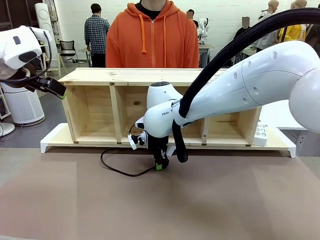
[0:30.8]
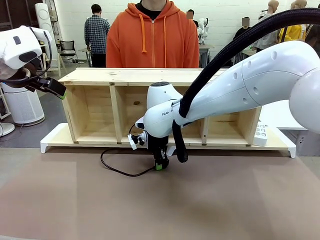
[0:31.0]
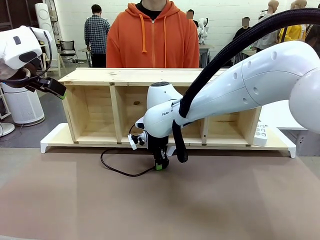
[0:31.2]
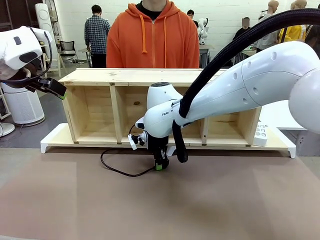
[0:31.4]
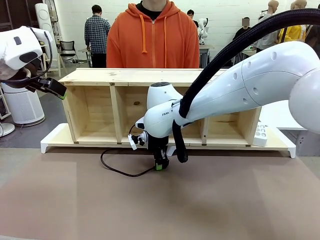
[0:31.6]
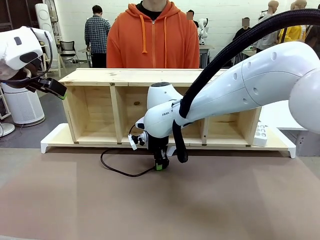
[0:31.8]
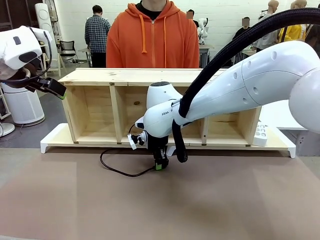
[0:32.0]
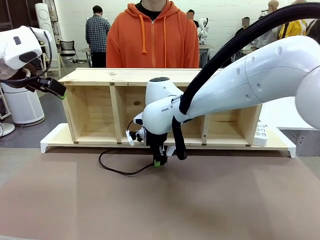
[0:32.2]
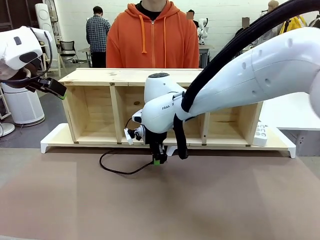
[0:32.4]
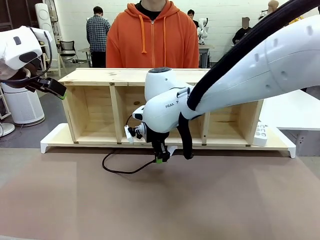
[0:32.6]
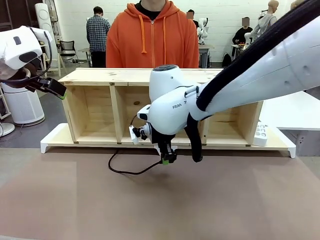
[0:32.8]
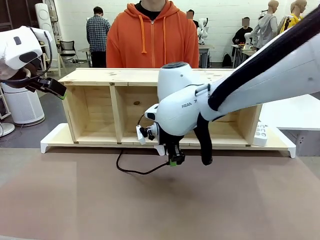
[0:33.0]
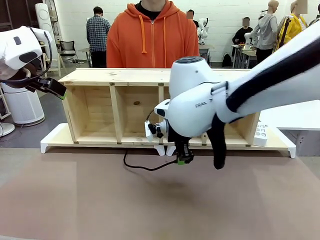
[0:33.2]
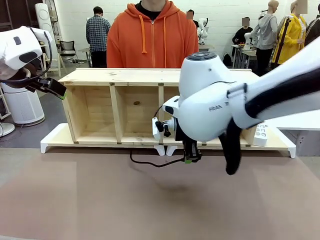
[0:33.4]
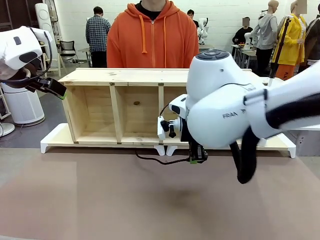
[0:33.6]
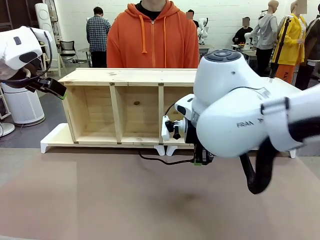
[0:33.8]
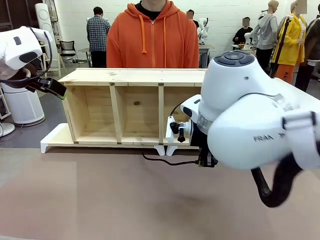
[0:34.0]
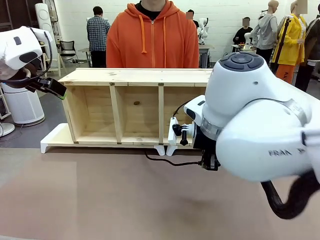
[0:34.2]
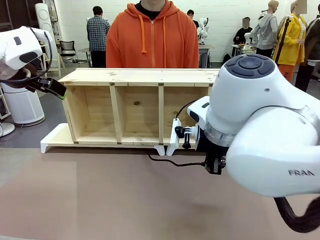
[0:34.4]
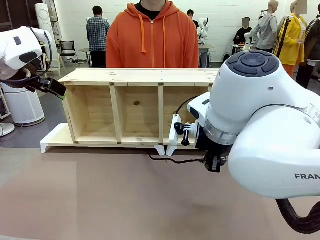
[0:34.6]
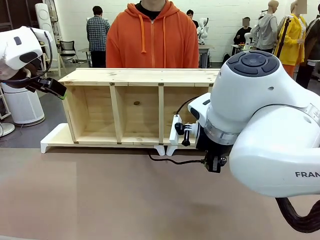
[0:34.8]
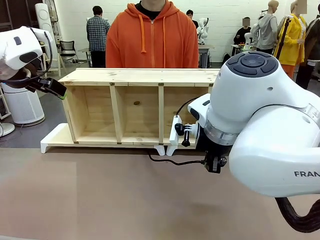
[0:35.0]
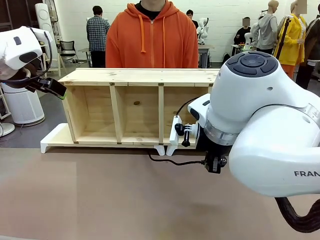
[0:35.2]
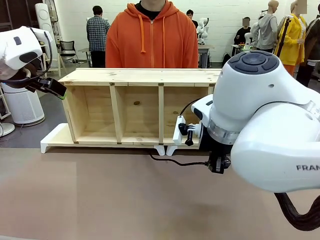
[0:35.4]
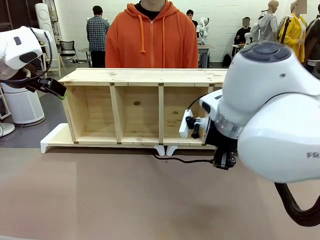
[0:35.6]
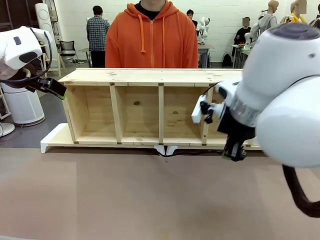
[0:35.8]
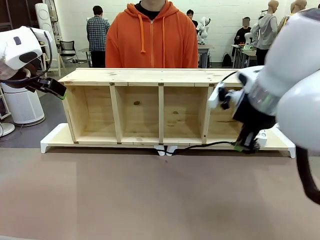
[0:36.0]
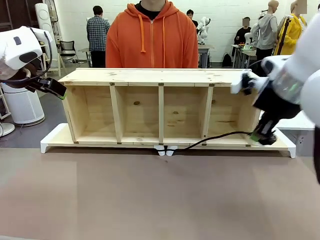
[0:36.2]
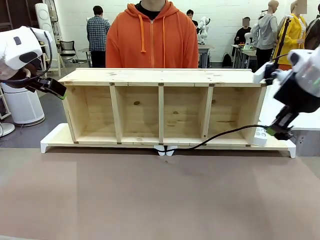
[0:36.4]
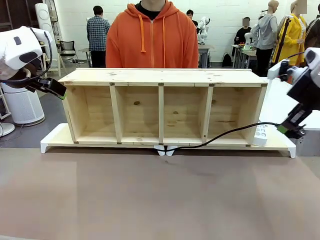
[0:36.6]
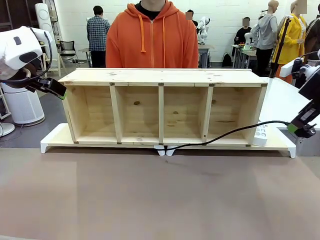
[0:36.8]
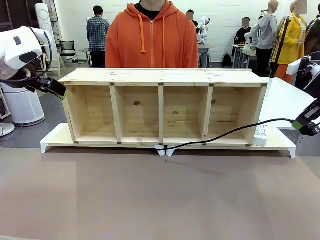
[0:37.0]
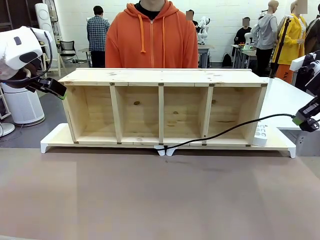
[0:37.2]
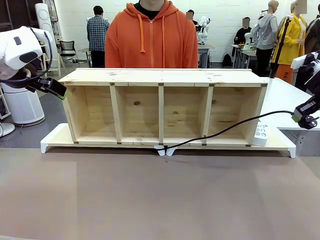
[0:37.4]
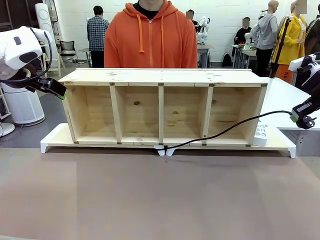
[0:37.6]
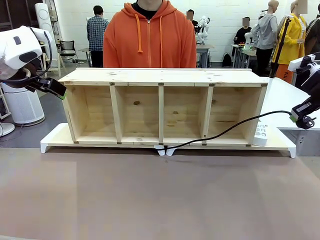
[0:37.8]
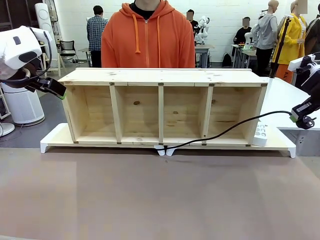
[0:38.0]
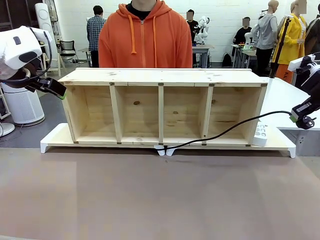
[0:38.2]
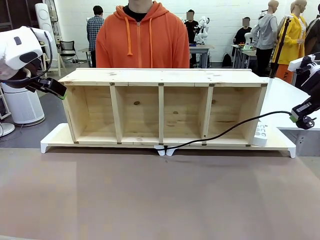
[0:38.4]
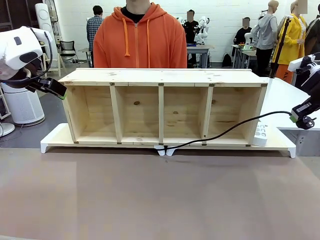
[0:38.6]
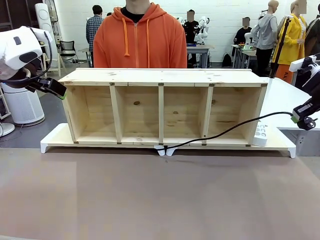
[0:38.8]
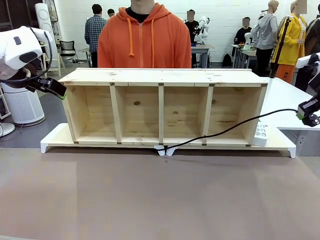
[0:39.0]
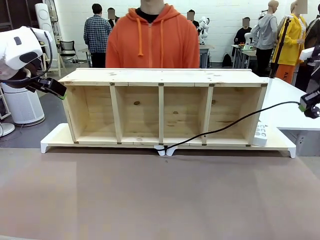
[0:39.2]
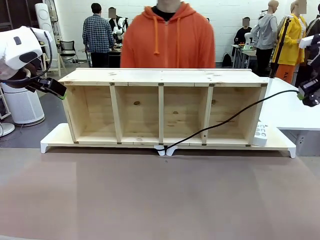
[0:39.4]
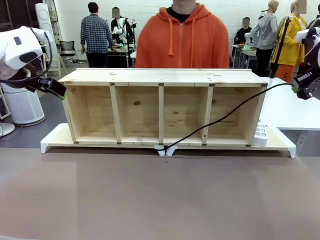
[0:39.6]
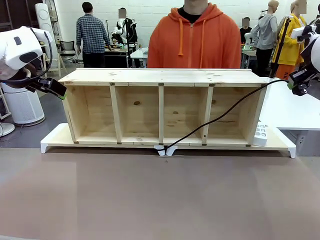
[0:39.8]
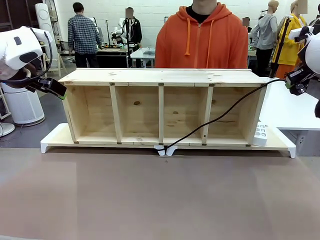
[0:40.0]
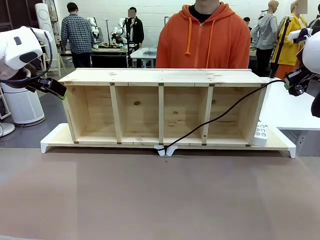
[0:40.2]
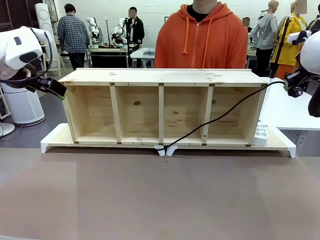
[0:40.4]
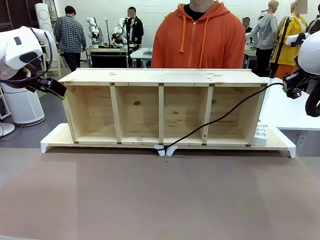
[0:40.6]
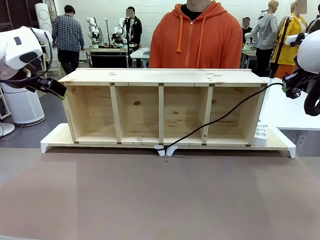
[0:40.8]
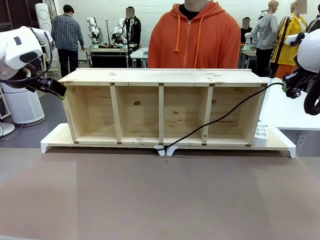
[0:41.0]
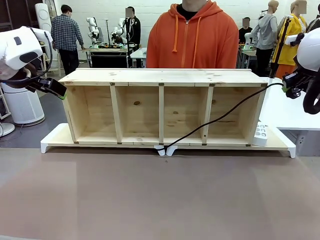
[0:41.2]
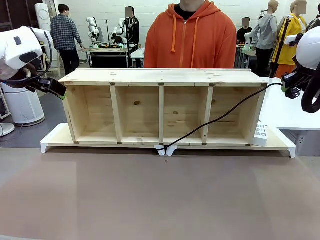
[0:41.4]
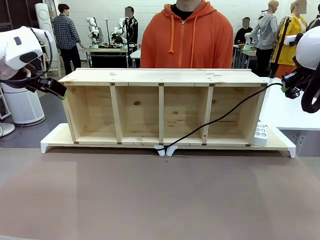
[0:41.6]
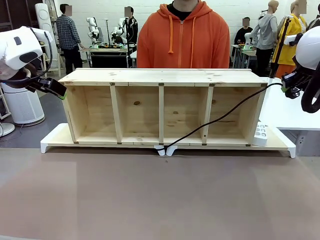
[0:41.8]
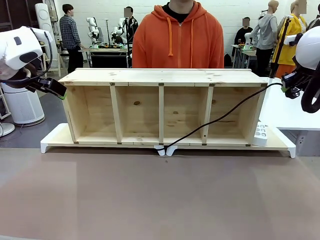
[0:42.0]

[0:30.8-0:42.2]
Task: Perform cable management.
Robot: Pull the grasped Power Cable to the location of the Power Strip.

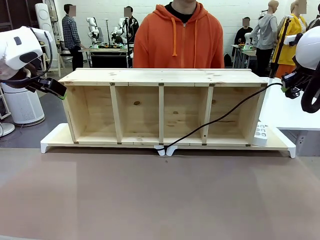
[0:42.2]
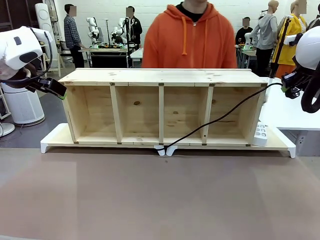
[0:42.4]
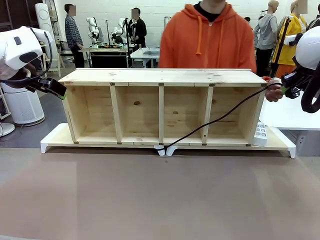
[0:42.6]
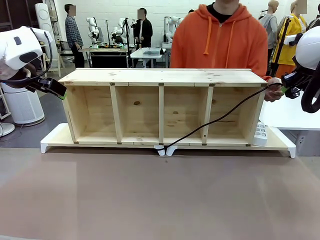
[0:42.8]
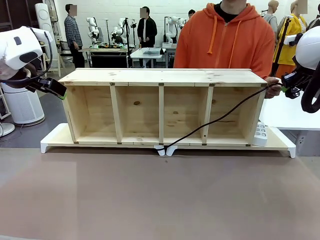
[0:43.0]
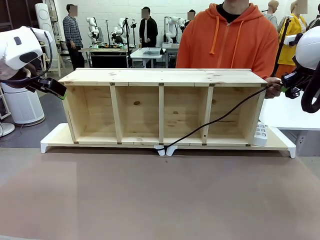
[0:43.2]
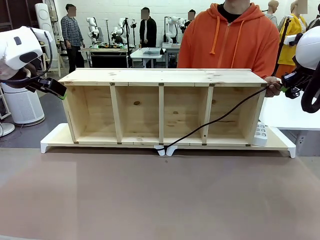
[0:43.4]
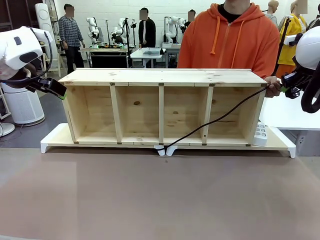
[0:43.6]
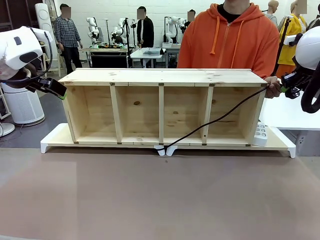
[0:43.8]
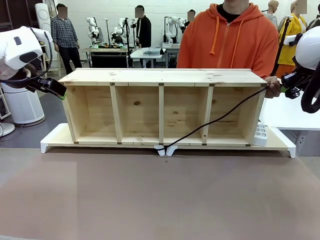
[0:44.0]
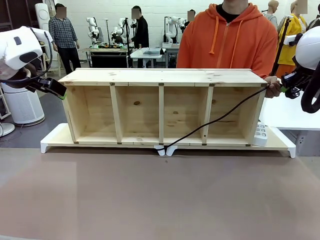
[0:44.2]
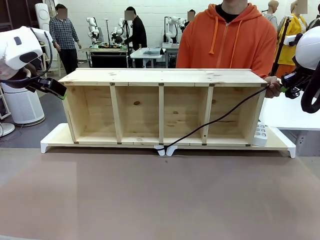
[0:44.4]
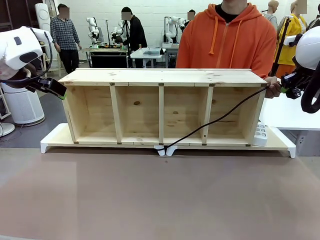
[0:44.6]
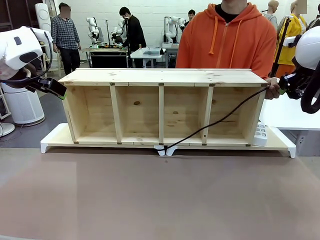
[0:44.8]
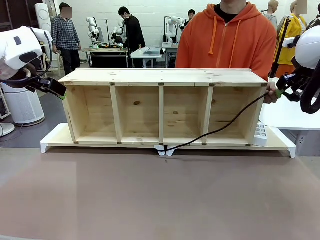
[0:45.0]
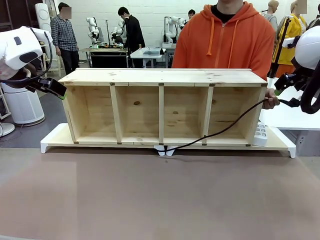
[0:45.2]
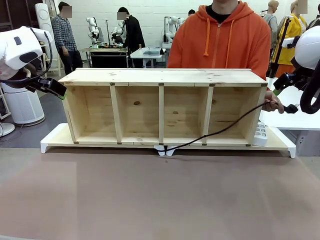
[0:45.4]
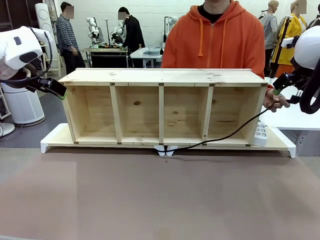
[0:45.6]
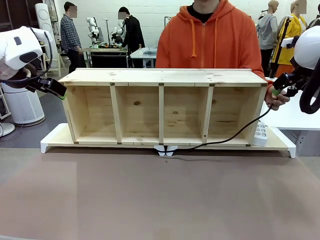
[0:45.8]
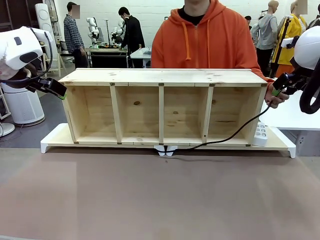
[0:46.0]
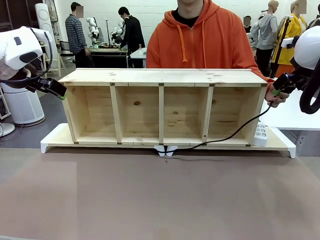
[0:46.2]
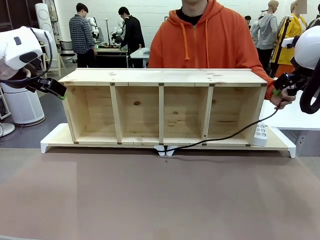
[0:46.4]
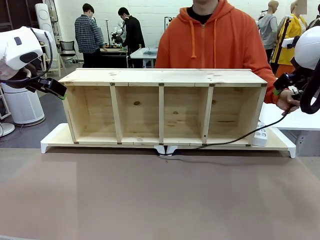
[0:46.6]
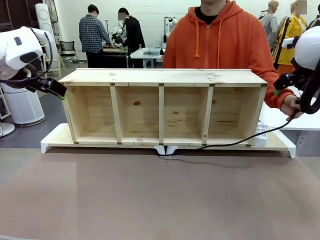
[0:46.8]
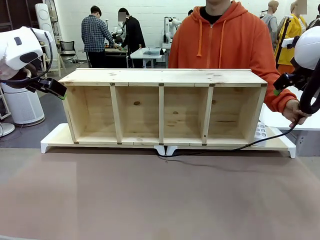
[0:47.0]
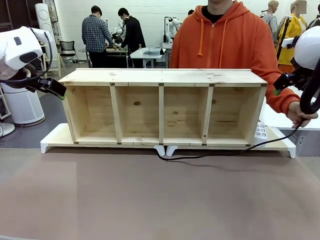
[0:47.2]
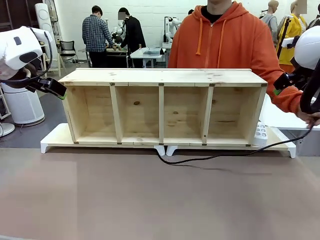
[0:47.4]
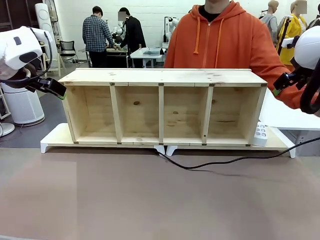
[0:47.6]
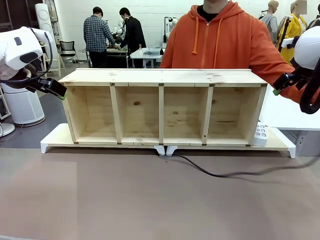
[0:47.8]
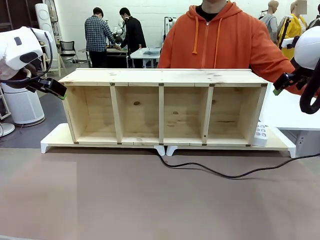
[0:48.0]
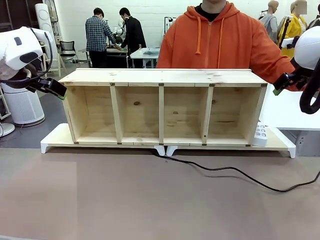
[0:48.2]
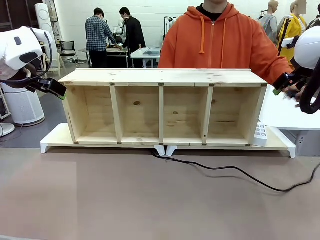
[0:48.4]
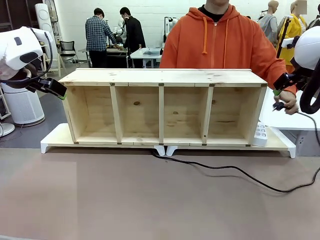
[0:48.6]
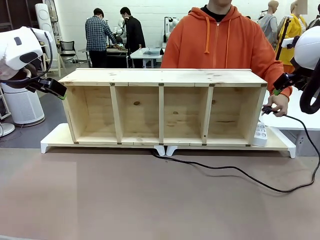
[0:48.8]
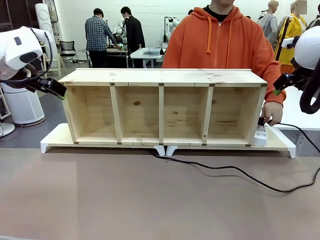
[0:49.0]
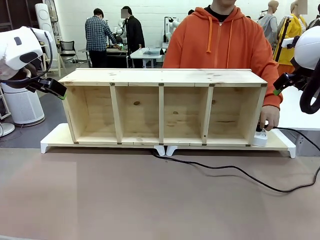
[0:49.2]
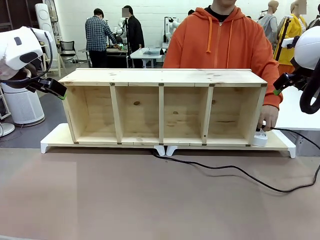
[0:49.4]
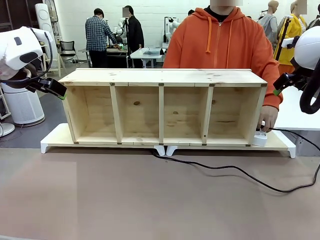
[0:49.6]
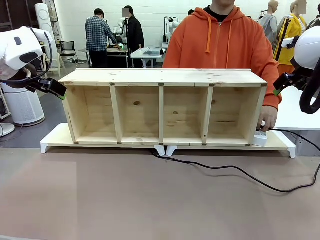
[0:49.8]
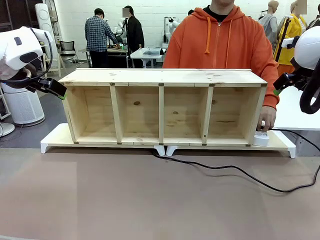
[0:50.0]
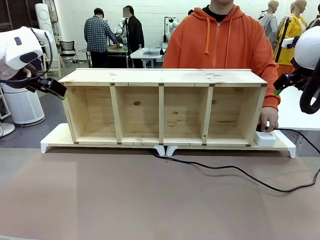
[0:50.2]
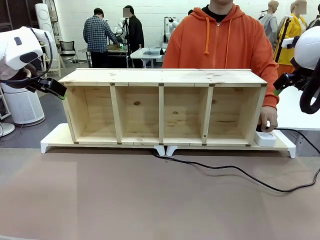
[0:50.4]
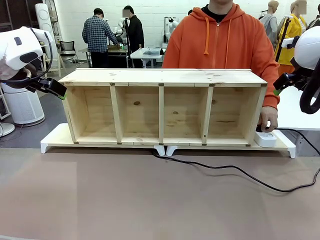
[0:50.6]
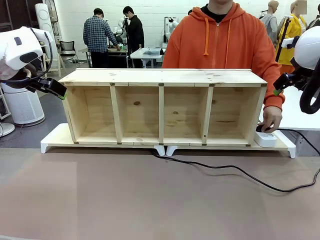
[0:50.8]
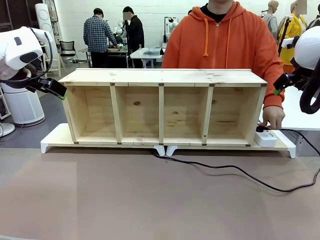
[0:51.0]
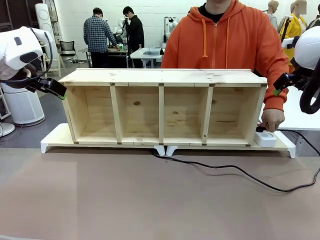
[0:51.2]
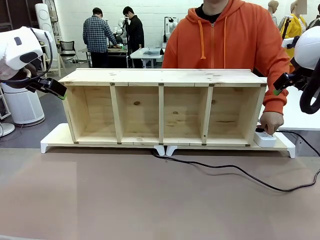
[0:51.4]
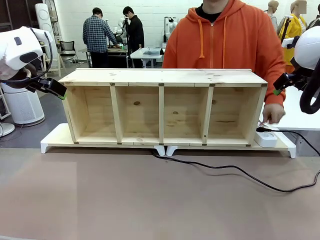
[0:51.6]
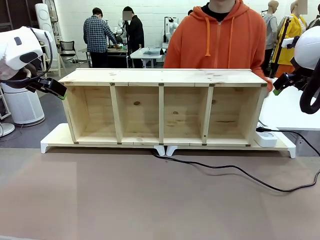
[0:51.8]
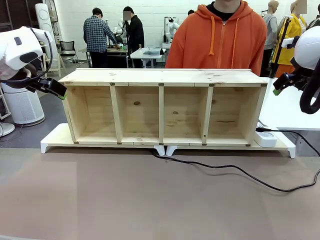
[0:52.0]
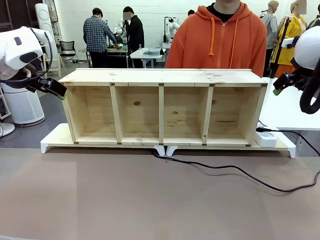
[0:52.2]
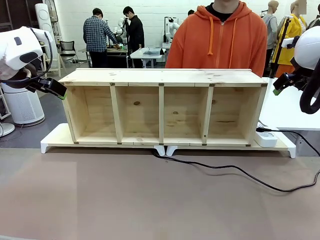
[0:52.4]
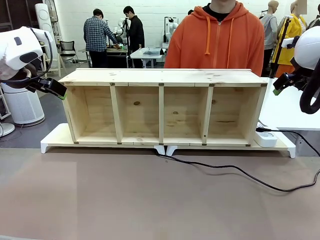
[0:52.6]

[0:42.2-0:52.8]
Robot: Release the Power Cable when the human grasps it.
Person: Plug the Power Cable into the Power Strip.
